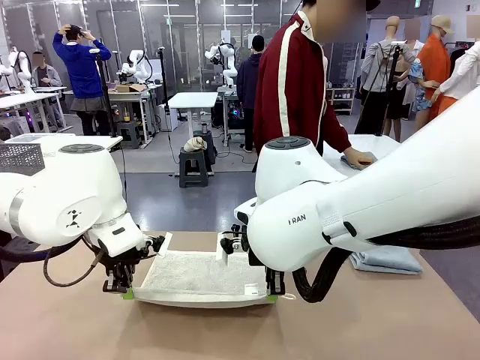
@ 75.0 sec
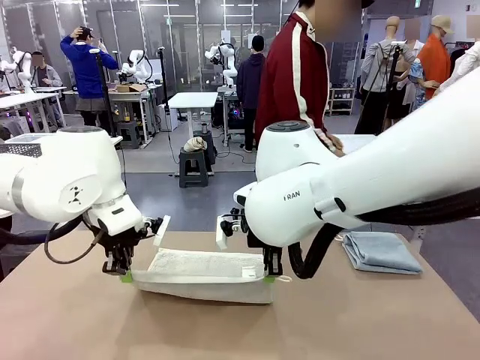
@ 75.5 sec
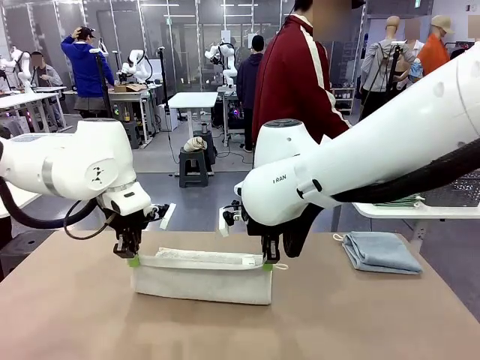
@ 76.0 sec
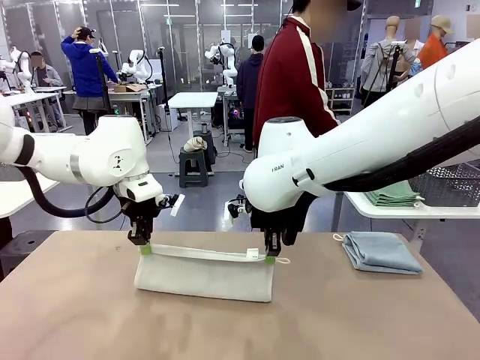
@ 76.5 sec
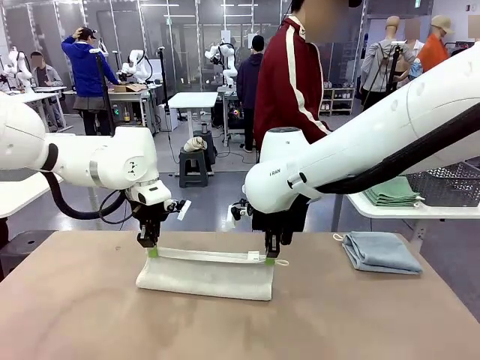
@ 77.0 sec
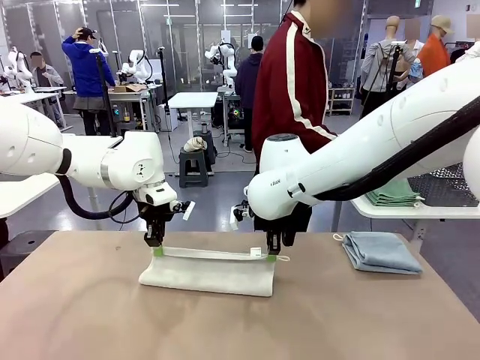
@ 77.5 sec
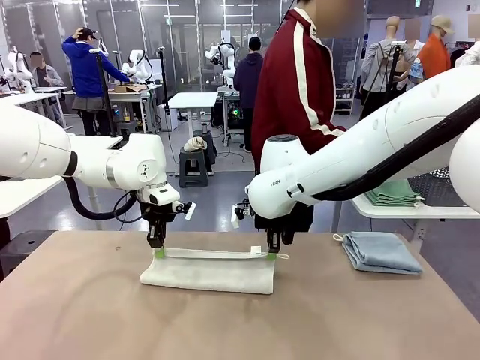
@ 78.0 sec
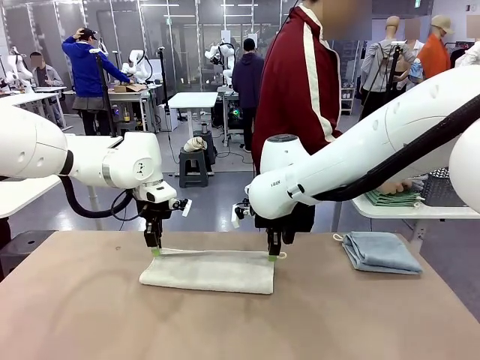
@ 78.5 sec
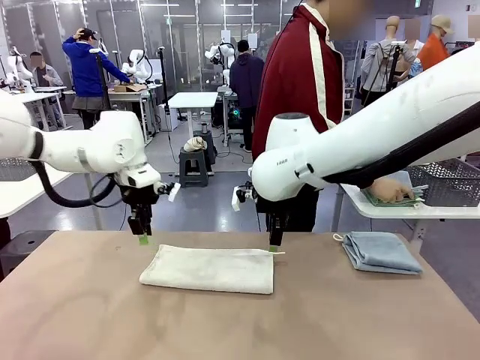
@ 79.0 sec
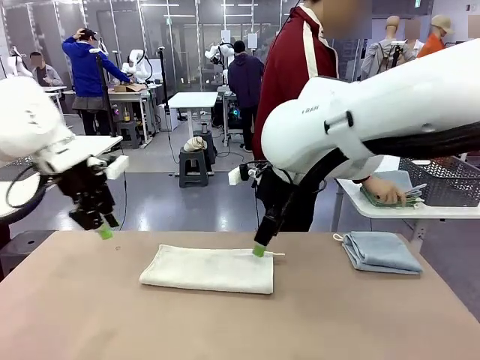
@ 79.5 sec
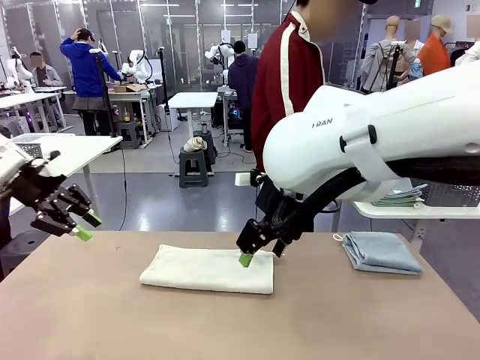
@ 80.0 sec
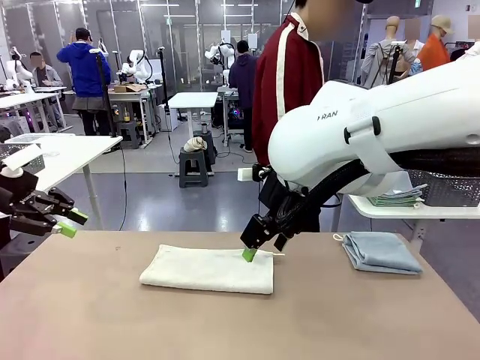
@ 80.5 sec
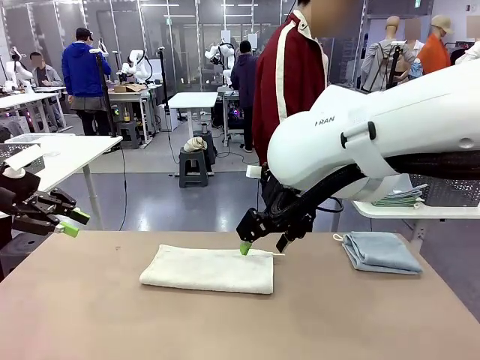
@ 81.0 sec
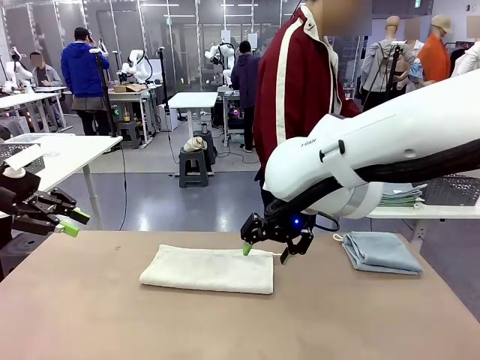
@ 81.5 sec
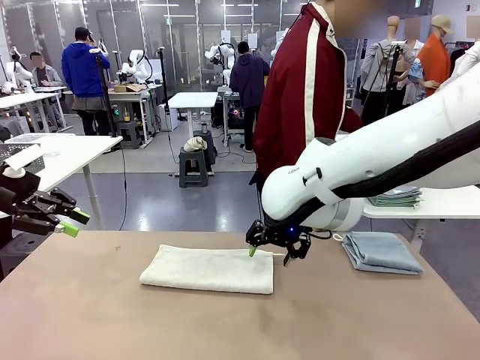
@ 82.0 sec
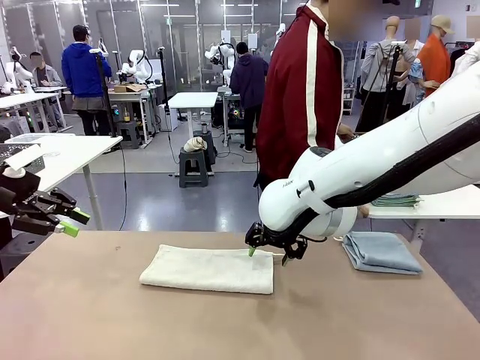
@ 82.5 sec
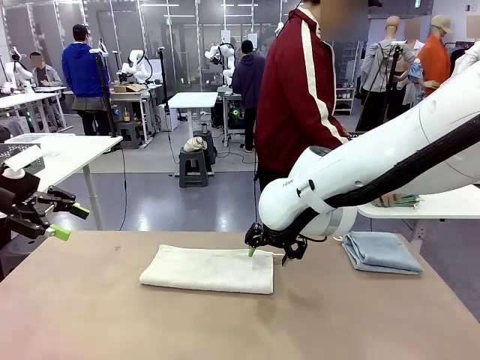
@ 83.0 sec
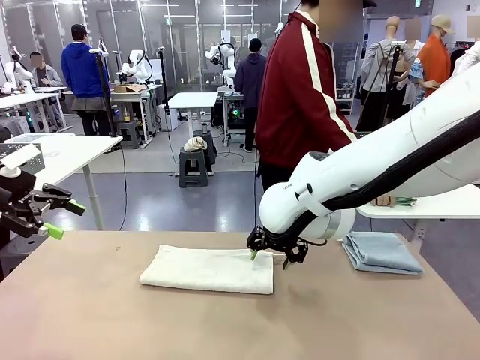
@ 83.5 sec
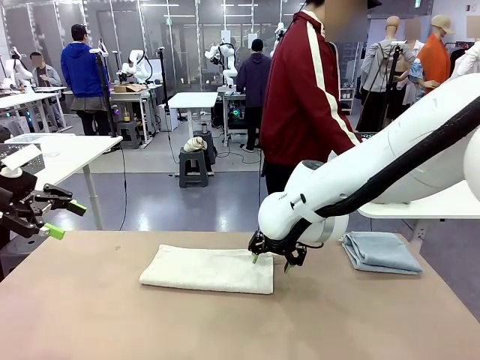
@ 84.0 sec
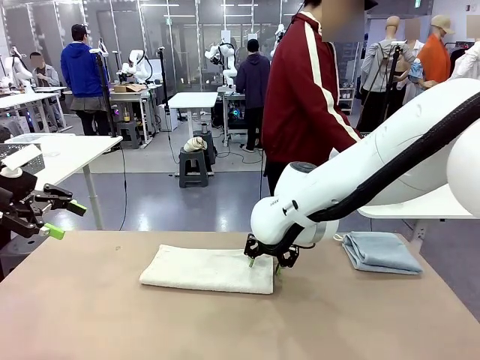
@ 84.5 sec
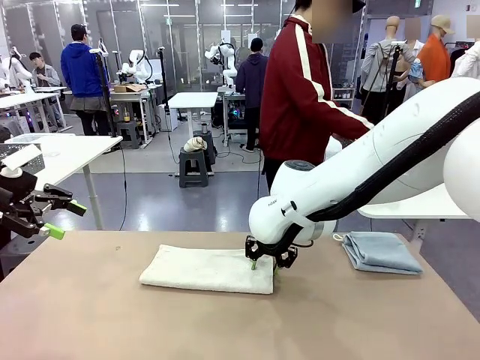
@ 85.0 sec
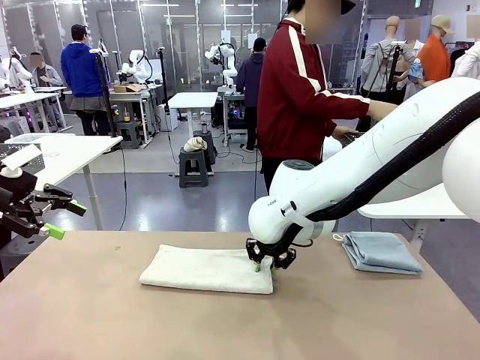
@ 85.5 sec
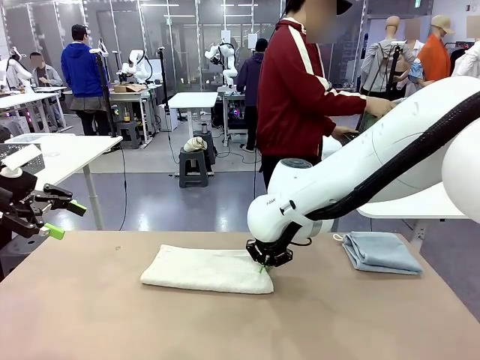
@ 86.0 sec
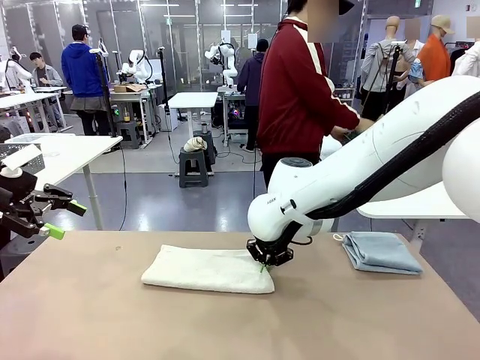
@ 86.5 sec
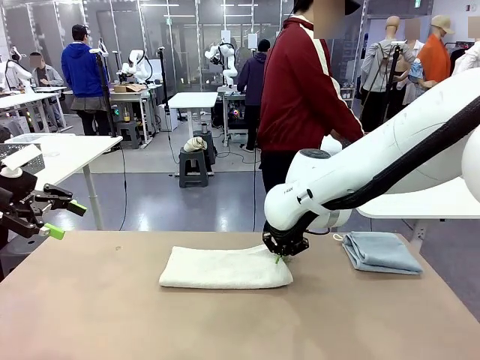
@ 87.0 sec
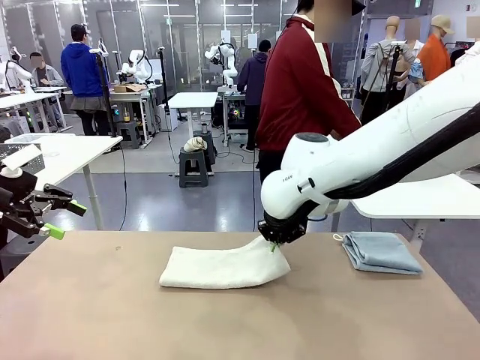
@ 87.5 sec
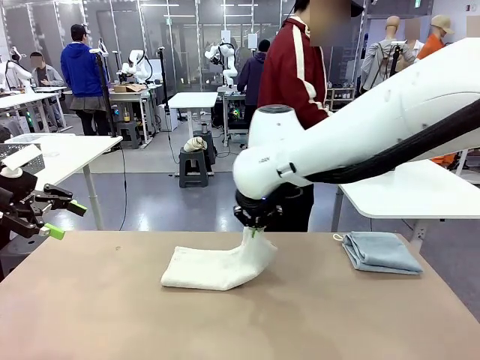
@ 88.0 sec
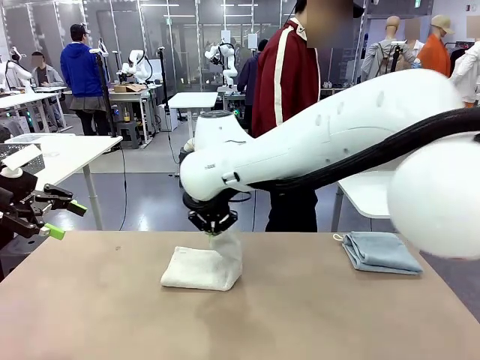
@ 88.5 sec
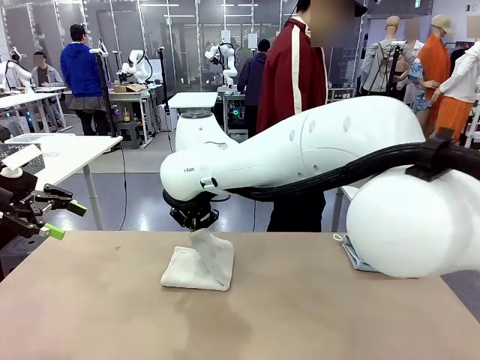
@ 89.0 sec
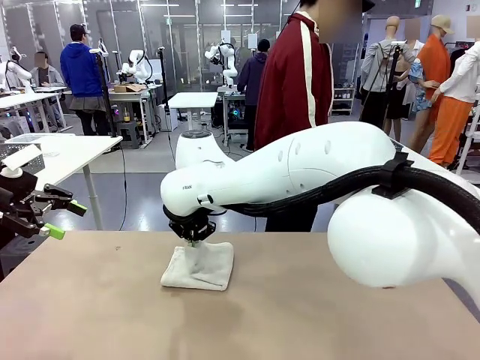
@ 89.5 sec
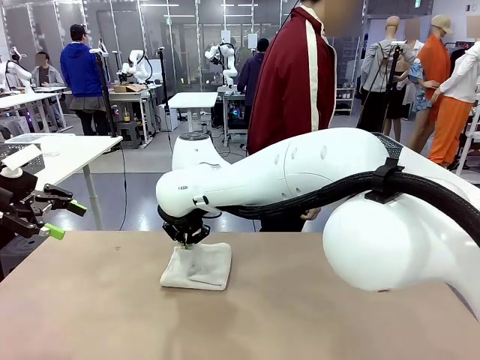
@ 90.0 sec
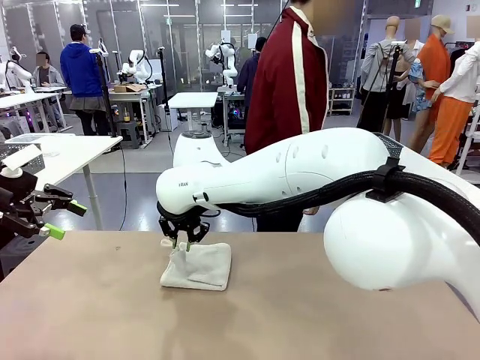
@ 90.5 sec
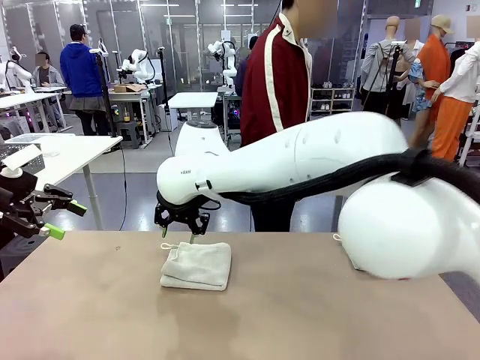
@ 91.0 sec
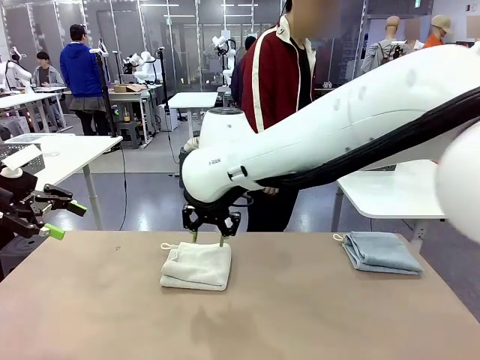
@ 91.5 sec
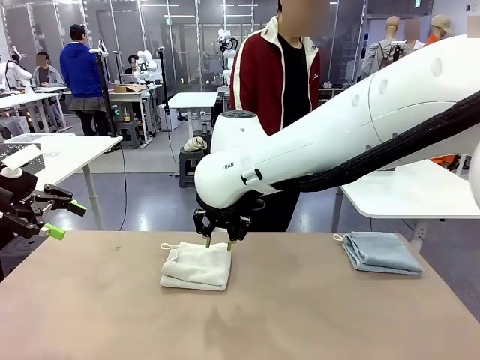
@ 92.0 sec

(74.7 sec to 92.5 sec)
Task: Fold the towels and place them in the basket.
Robot: When a person lays out a Towel with hook on the table, fold it in half twice.
Person: Pick up the stack of towels from the right side of the human table, place it into the basket, and put the basket at the center of the table.

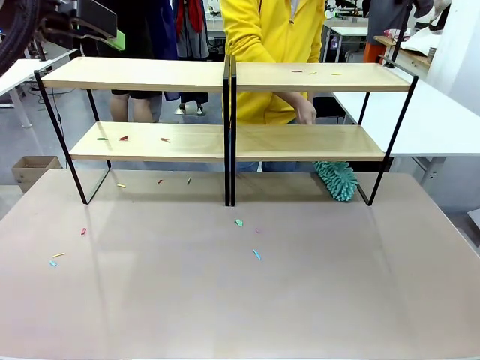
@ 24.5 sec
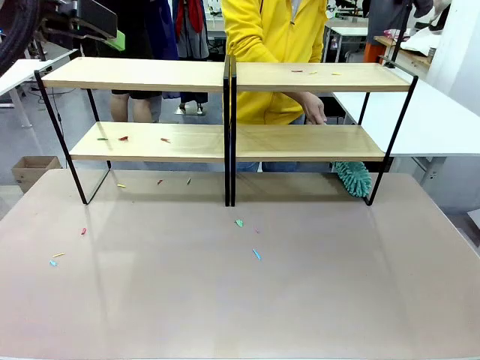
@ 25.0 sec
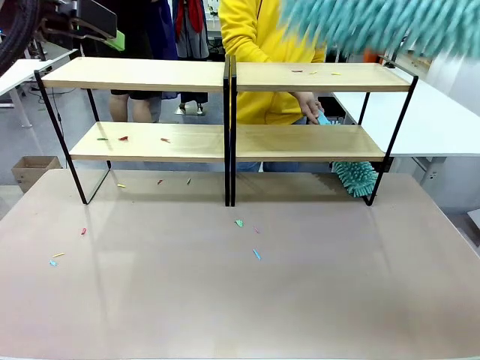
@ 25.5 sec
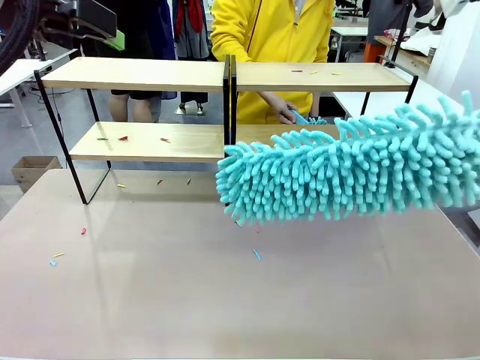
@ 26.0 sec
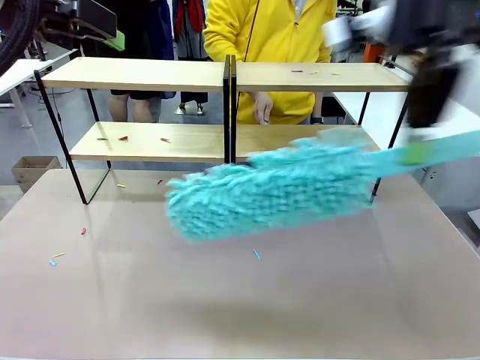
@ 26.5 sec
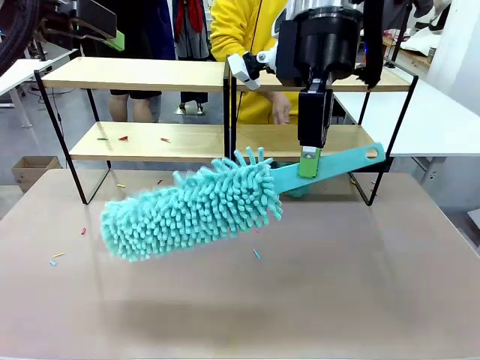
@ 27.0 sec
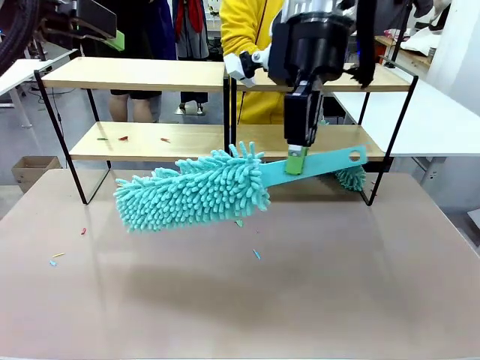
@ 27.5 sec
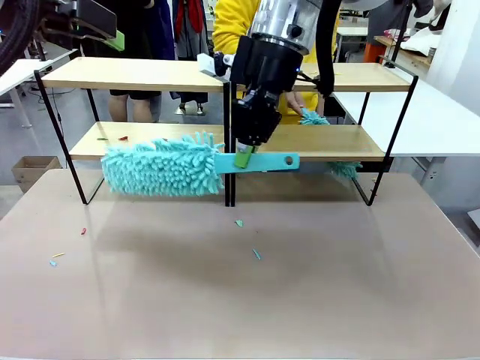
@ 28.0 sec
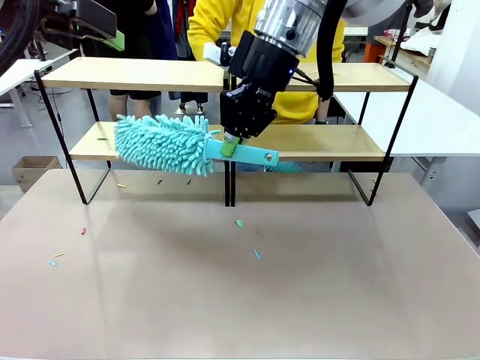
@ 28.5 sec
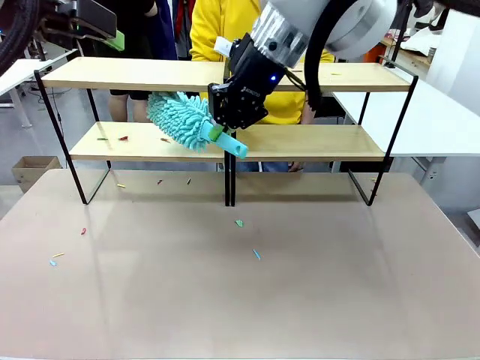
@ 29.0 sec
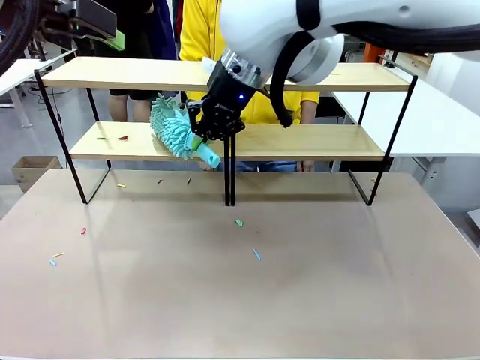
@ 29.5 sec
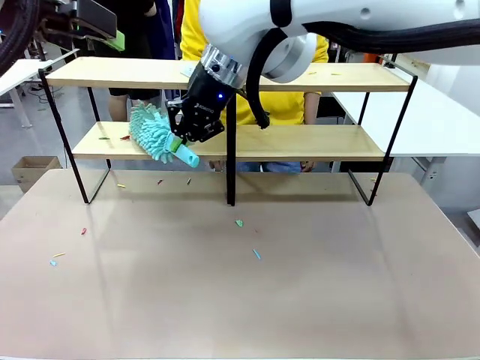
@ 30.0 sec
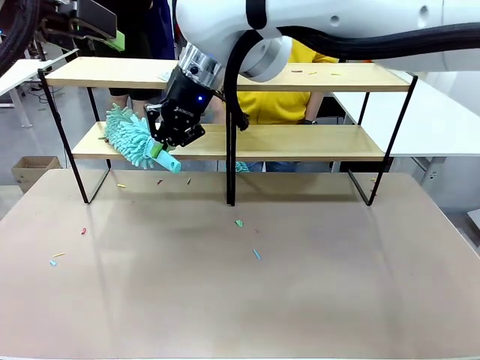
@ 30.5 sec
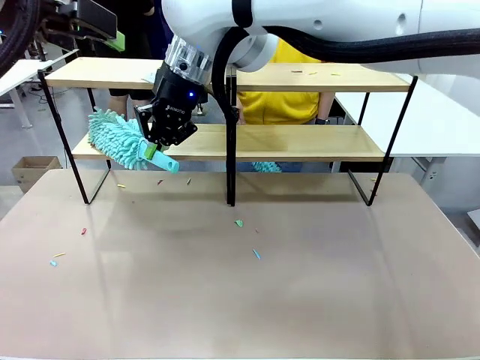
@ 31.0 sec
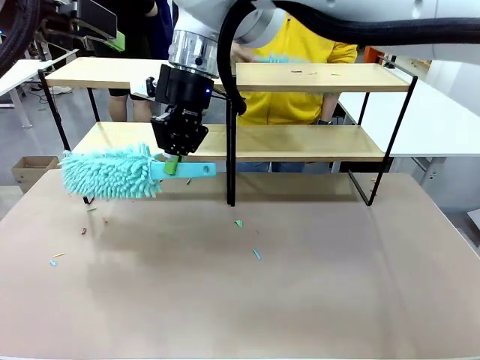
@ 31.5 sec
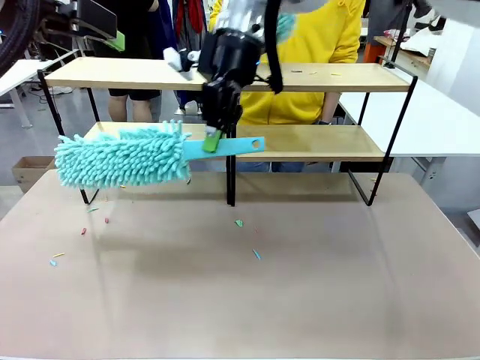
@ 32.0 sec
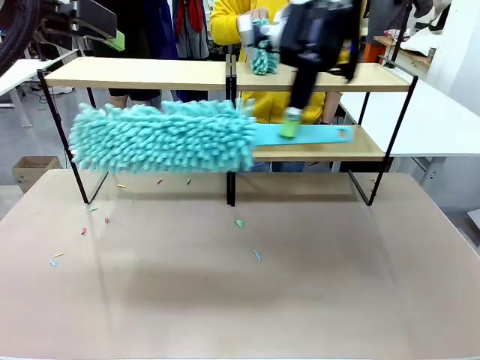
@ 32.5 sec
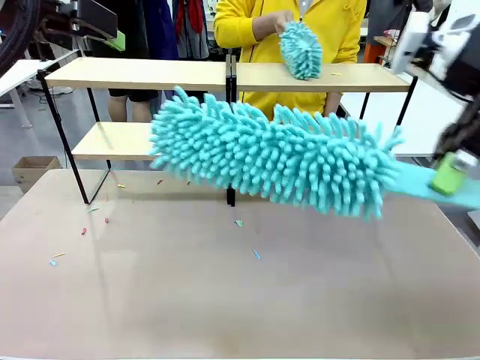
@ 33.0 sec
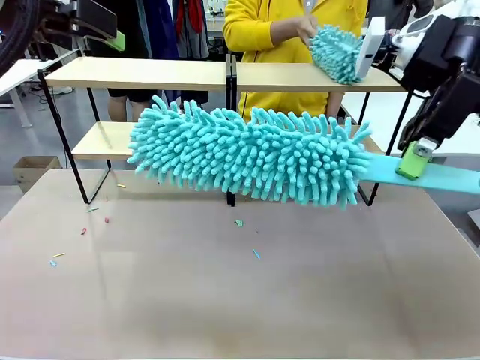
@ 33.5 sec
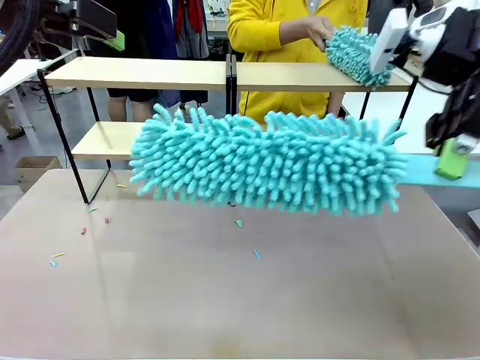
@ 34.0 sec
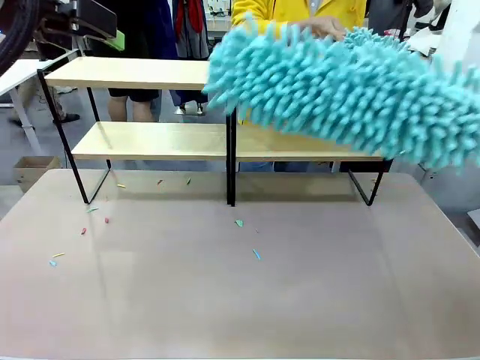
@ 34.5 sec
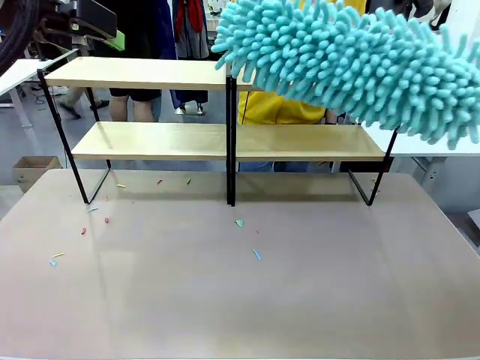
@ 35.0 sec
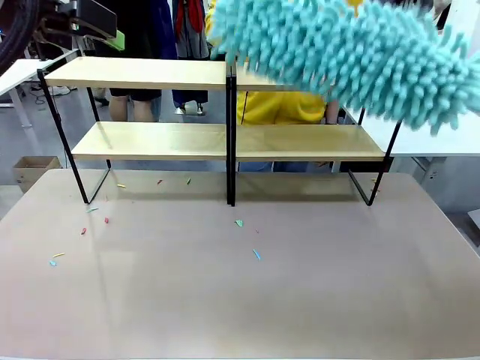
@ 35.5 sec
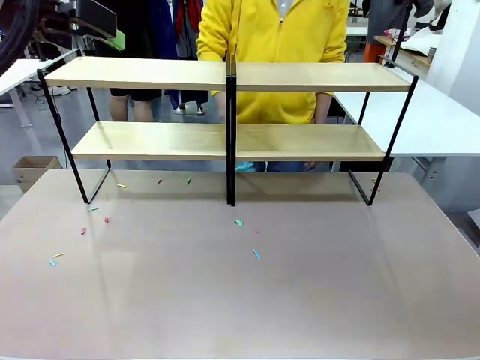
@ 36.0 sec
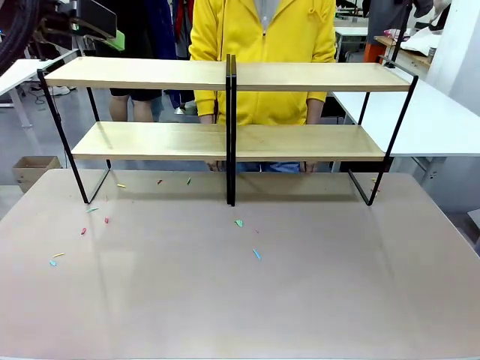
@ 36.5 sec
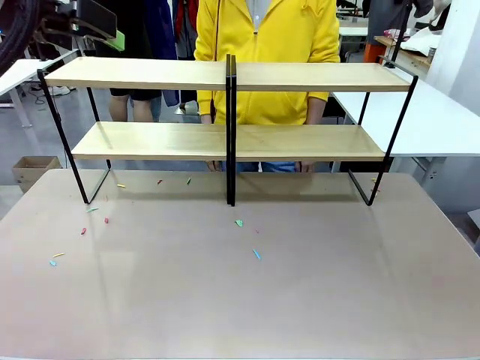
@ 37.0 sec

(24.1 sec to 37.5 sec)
Task: Clean the shelves.
Robot: Clean another randomly selected level of the Shelf with the Duster.
